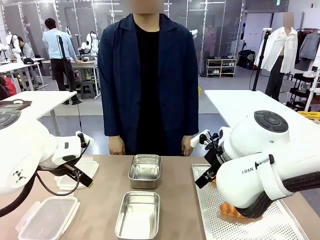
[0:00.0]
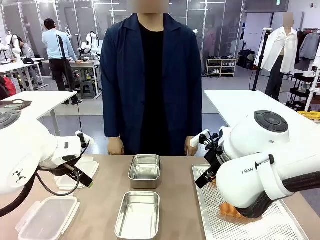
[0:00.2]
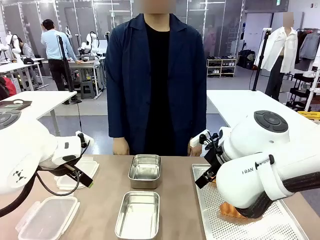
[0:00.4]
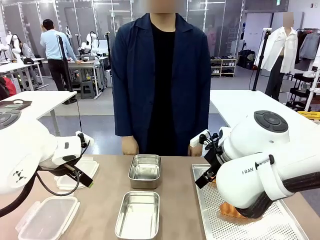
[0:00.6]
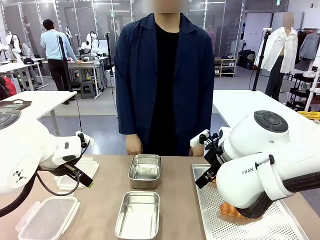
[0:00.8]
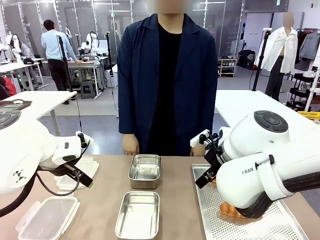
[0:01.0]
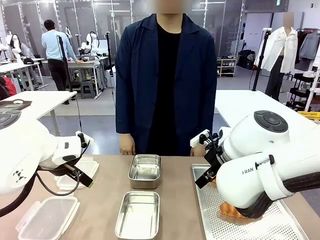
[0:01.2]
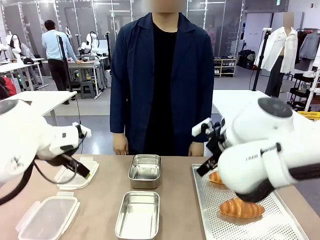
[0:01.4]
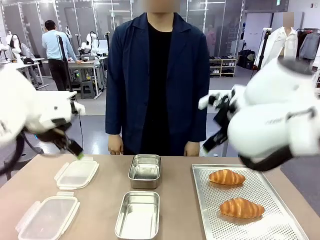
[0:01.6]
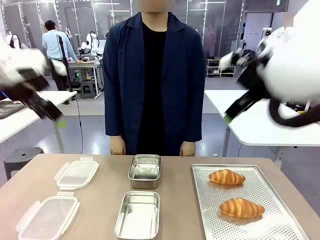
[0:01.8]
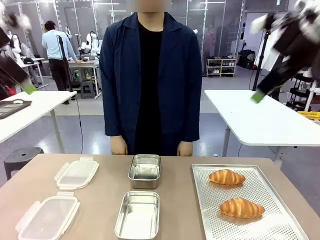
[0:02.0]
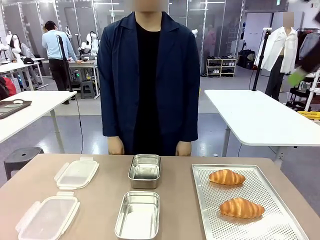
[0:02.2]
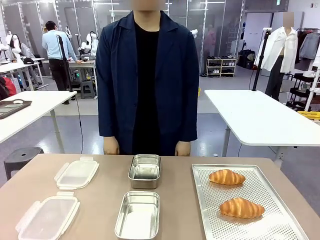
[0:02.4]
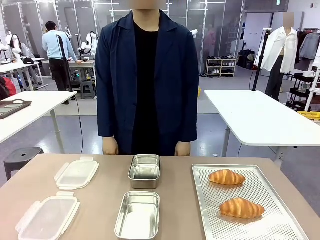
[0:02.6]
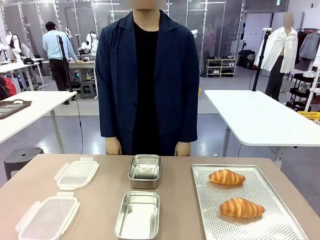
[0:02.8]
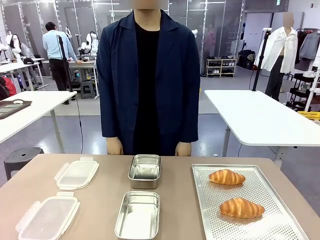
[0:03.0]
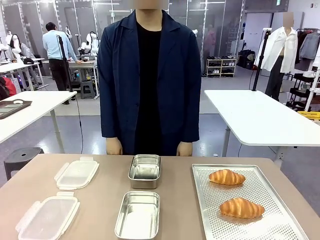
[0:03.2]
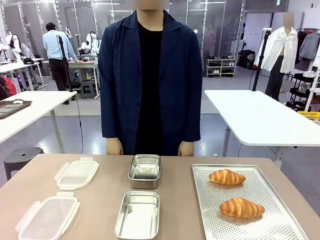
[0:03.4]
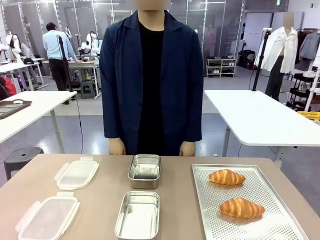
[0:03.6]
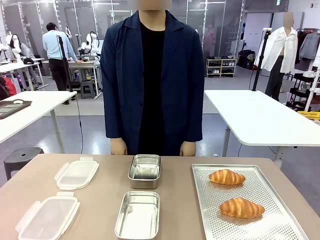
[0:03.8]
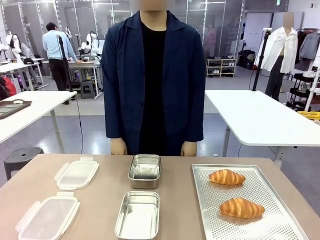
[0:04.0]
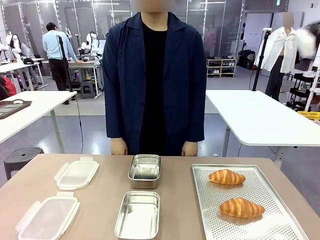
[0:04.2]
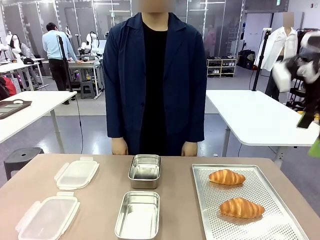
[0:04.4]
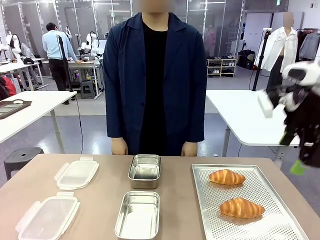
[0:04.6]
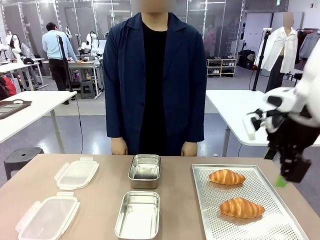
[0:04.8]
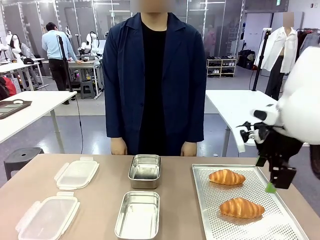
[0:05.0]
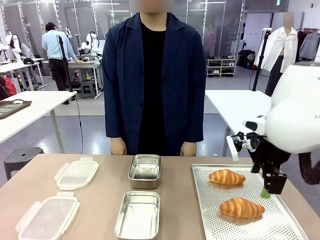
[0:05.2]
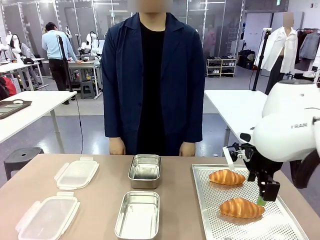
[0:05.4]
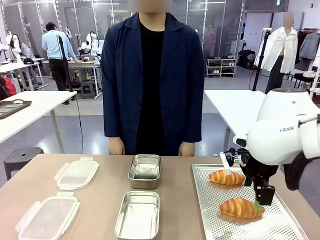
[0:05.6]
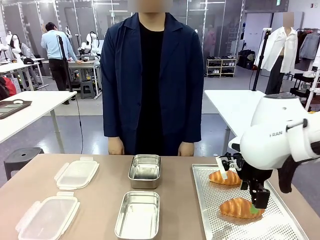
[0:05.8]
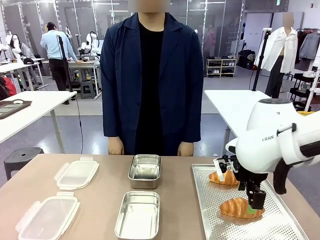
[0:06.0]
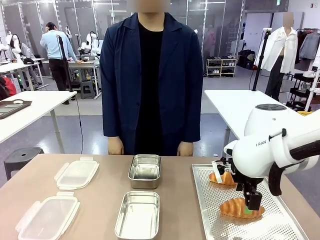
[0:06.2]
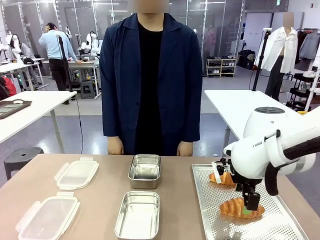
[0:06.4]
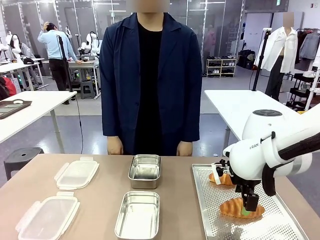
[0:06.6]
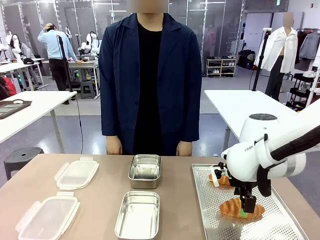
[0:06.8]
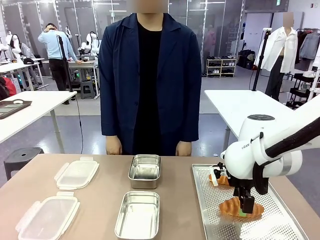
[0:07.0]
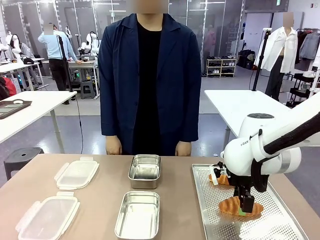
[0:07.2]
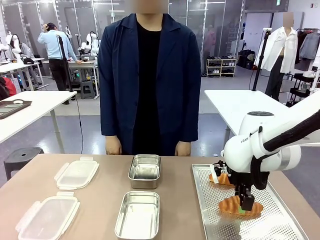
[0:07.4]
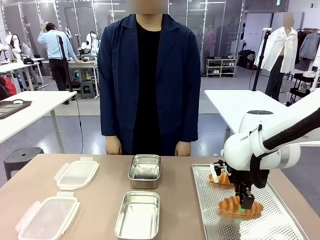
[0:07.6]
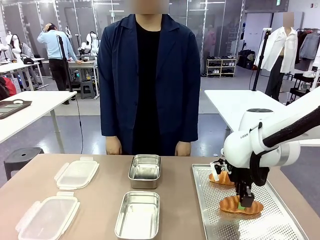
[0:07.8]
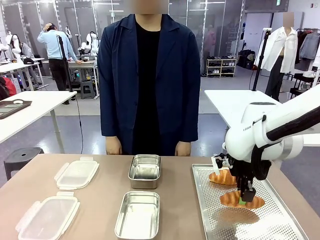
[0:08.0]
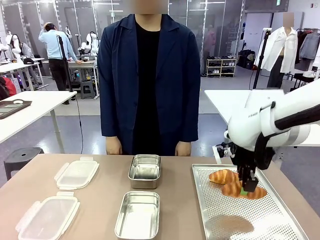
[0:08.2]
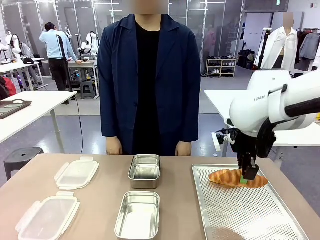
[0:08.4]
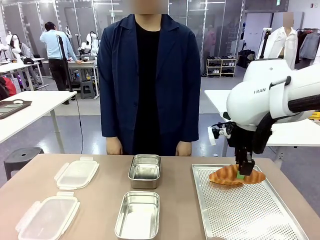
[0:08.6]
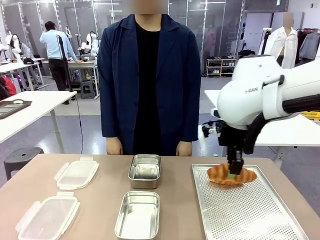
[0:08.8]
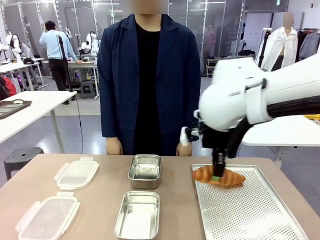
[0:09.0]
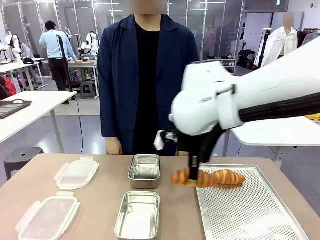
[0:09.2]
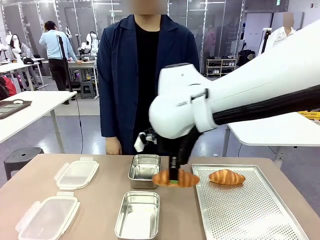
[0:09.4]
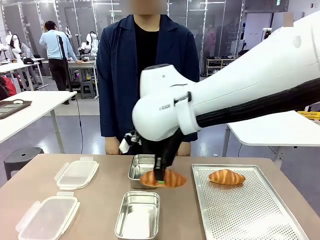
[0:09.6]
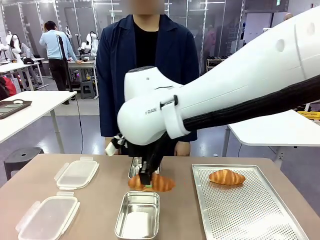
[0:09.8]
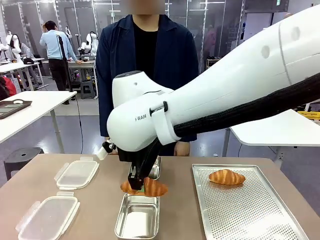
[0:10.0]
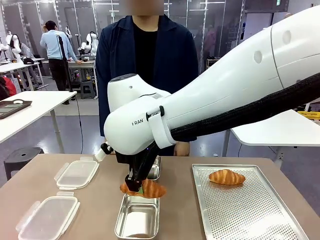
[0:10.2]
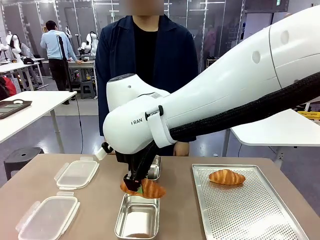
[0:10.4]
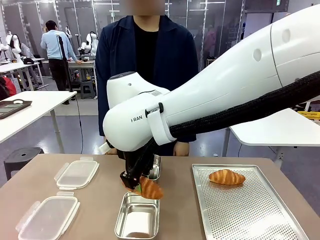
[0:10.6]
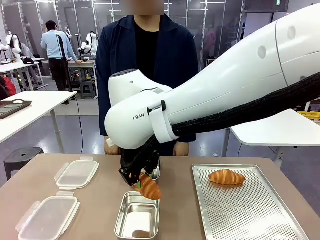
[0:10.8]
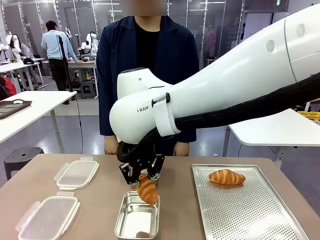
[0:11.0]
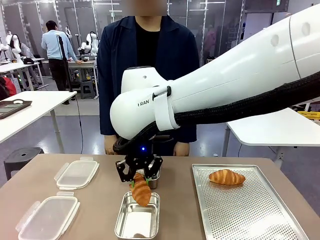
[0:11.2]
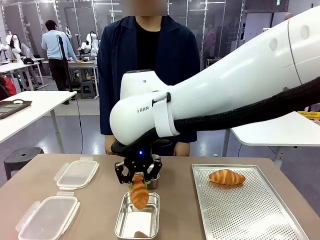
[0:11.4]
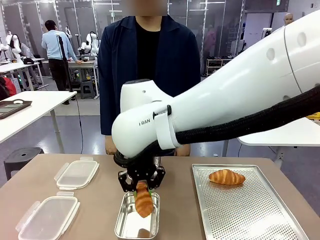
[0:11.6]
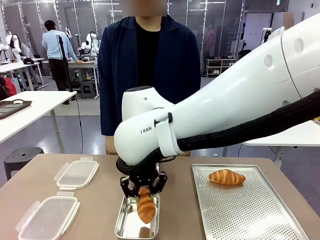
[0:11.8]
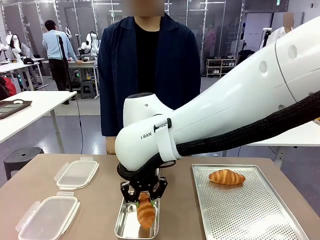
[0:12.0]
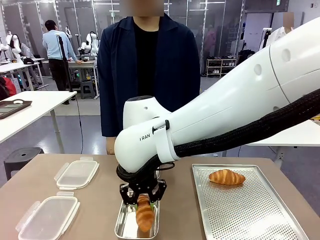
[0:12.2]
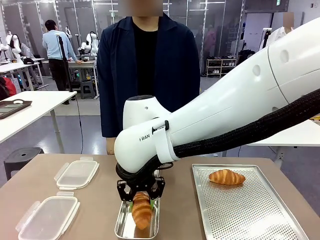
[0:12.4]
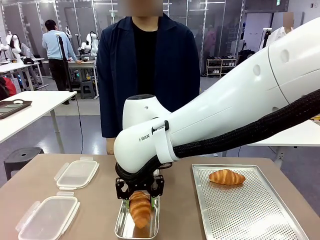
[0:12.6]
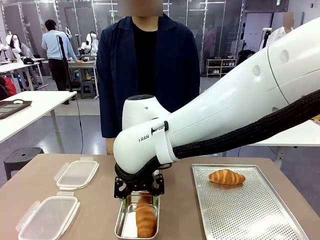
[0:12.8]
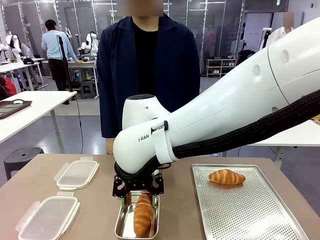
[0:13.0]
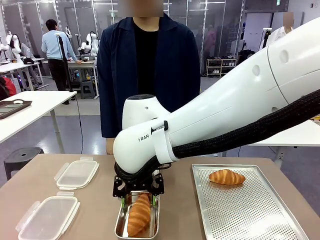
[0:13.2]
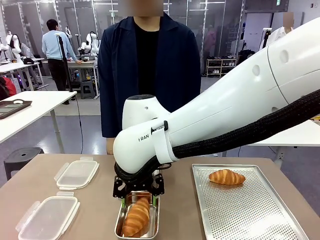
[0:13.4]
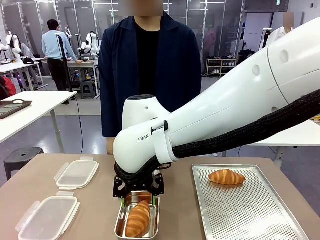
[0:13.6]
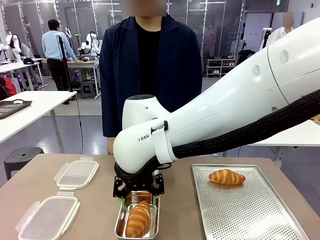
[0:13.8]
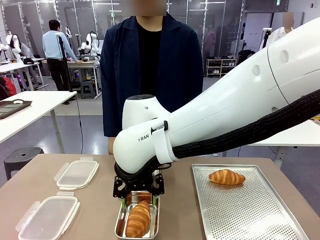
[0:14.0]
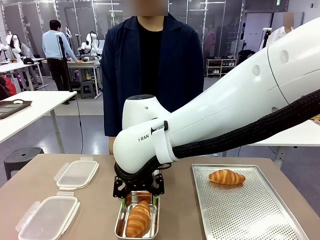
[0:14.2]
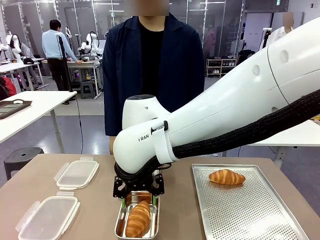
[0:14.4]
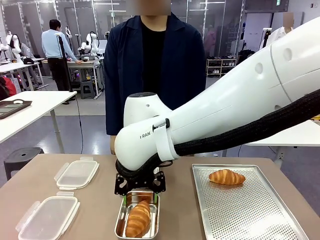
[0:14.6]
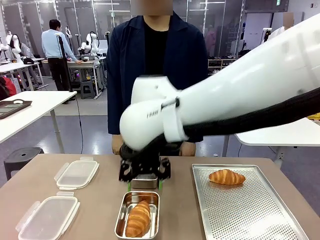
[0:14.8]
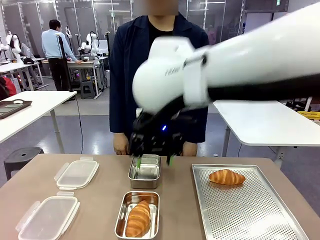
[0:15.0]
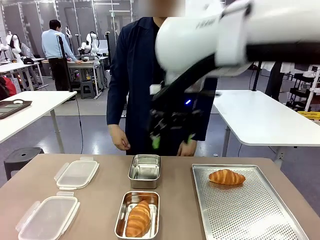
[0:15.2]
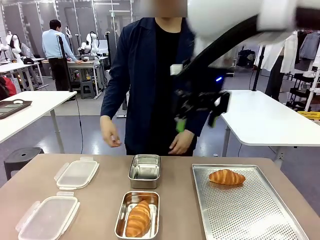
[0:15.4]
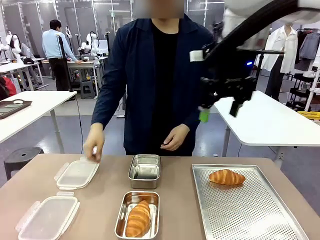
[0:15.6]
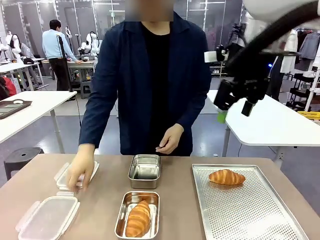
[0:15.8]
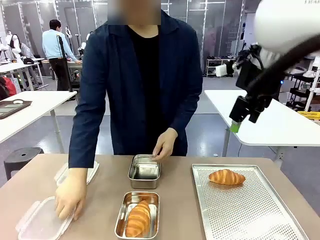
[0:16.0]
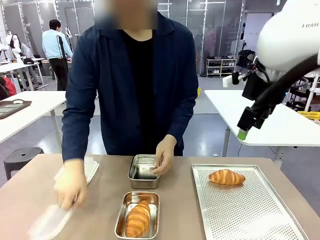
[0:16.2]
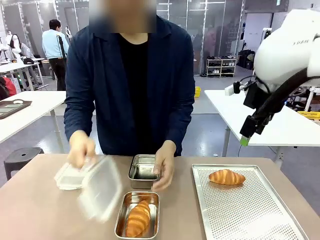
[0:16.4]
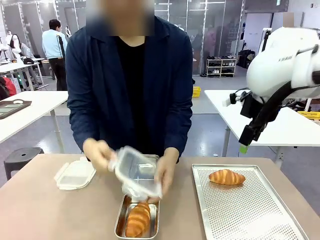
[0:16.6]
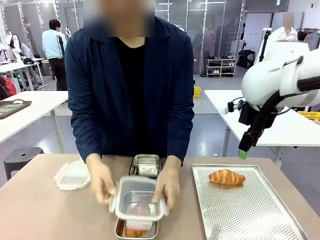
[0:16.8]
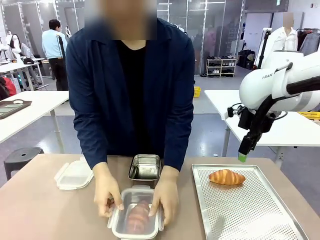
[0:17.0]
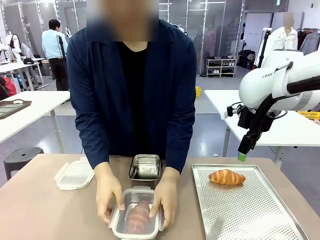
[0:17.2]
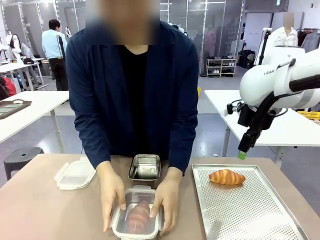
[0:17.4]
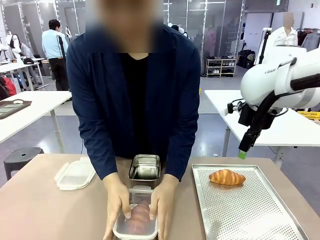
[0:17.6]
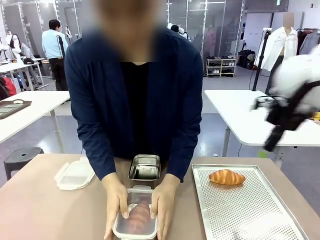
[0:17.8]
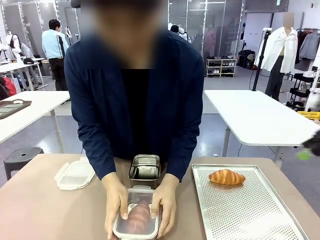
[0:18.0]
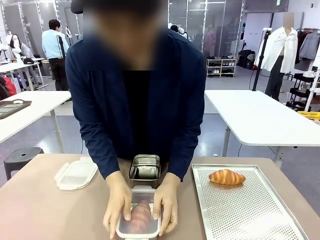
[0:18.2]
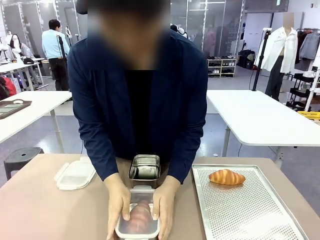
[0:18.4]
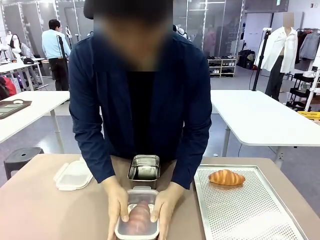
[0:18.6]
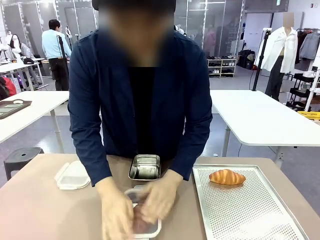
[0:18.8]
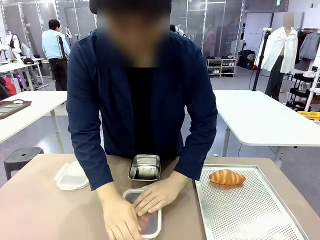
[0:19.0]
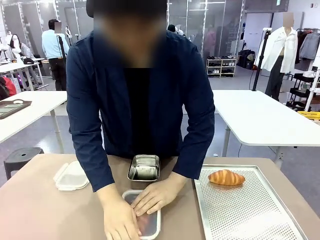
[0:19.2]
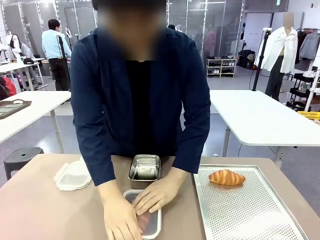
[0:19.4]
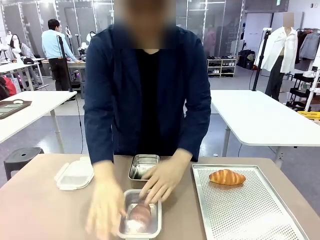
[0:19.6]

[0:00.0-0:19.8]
Task: Place the bread into the airtight container.
Robot: Pick up a Butter Roll and place it into an empty Airtight Container.
